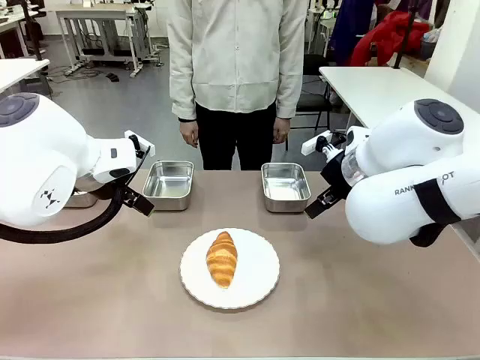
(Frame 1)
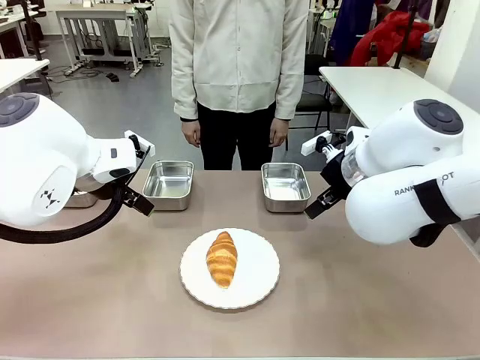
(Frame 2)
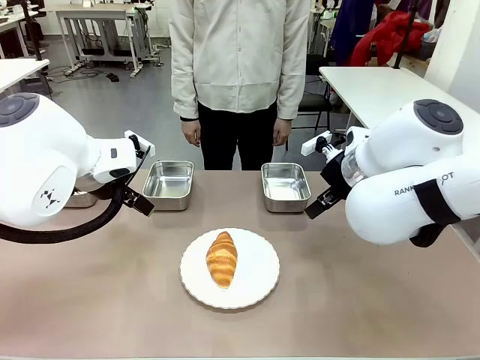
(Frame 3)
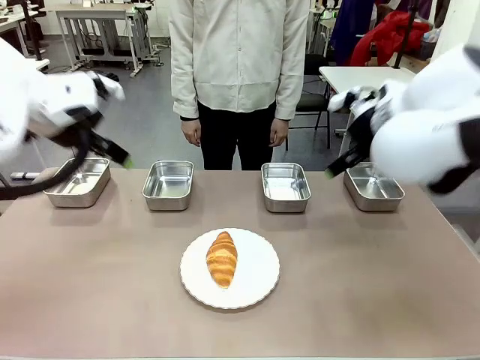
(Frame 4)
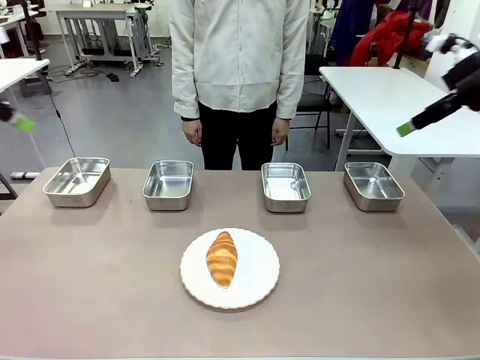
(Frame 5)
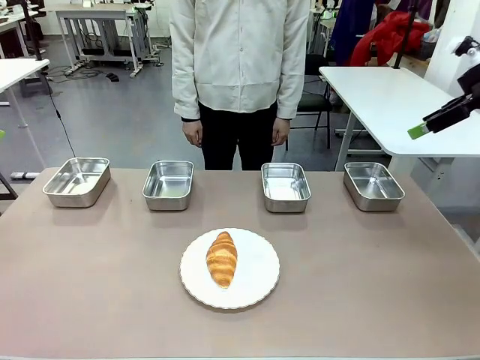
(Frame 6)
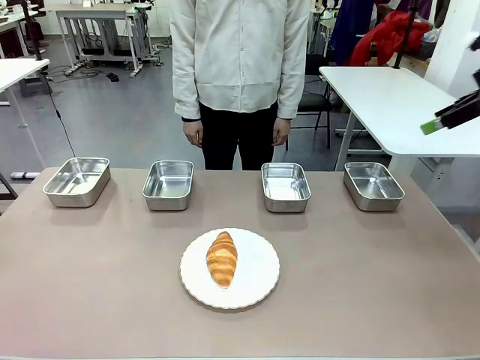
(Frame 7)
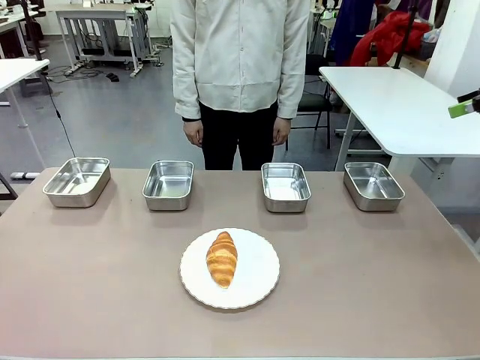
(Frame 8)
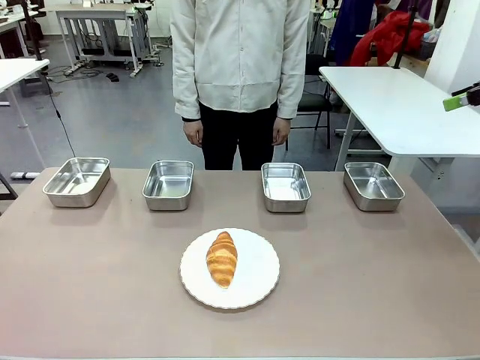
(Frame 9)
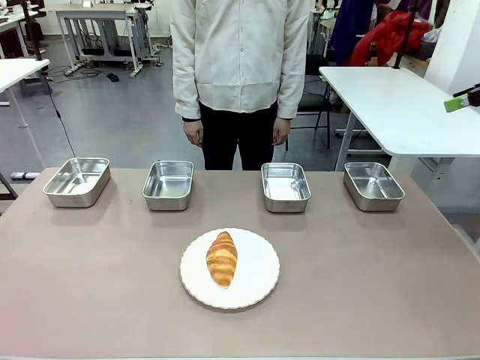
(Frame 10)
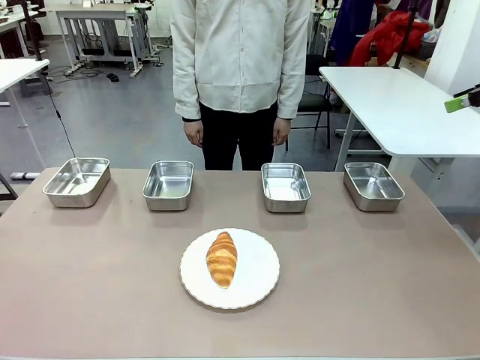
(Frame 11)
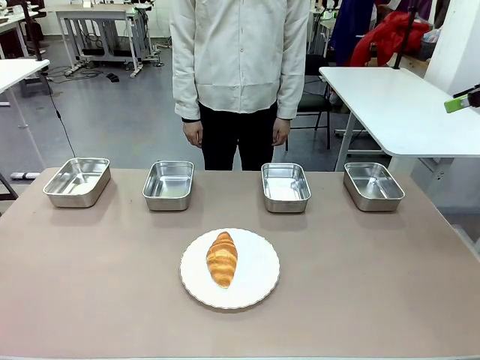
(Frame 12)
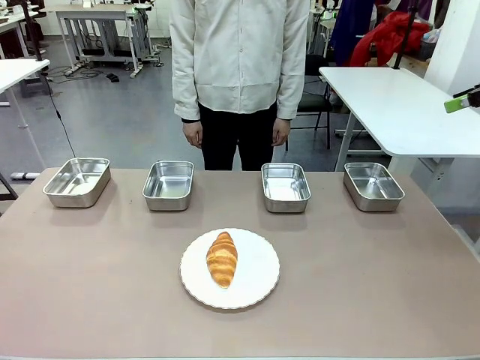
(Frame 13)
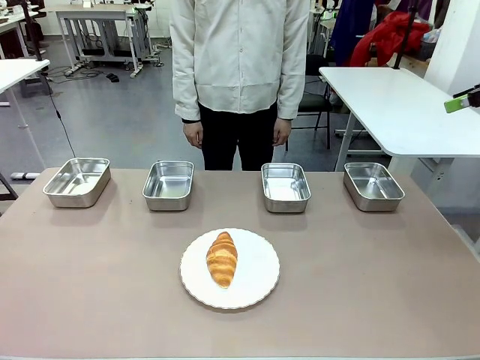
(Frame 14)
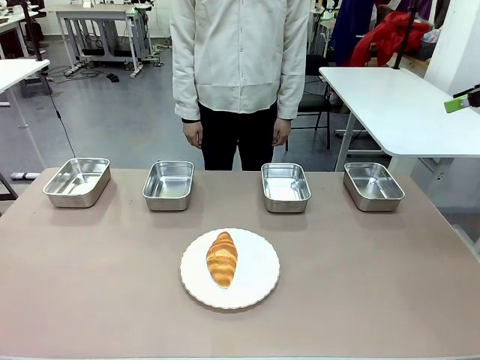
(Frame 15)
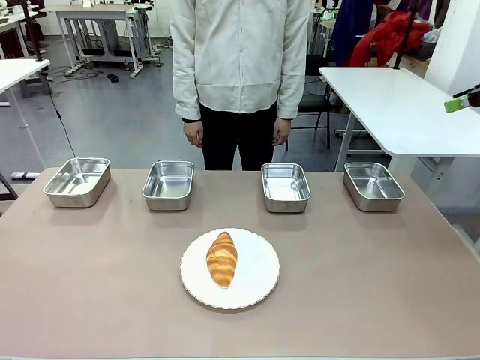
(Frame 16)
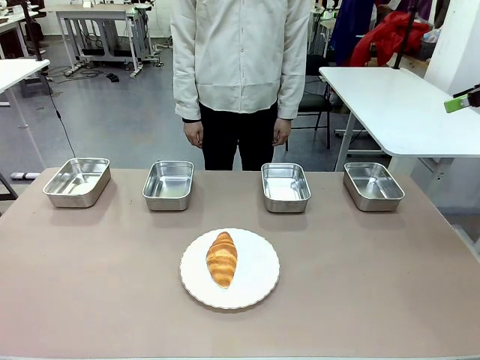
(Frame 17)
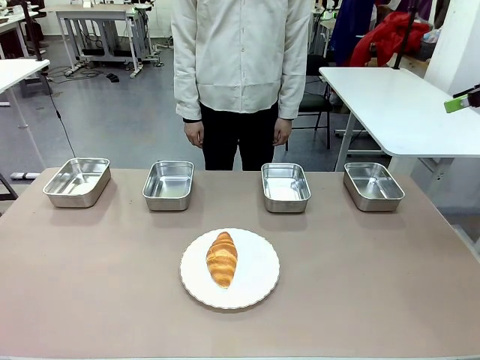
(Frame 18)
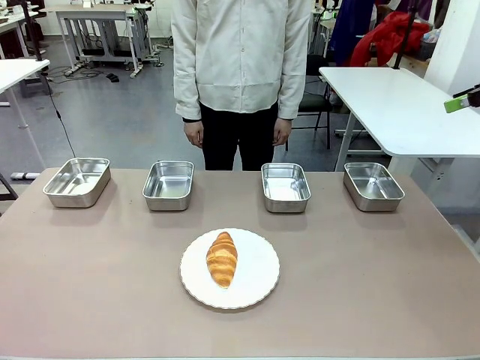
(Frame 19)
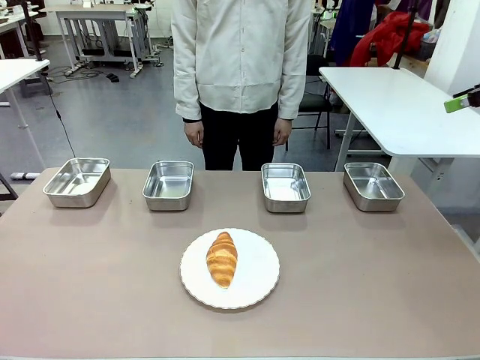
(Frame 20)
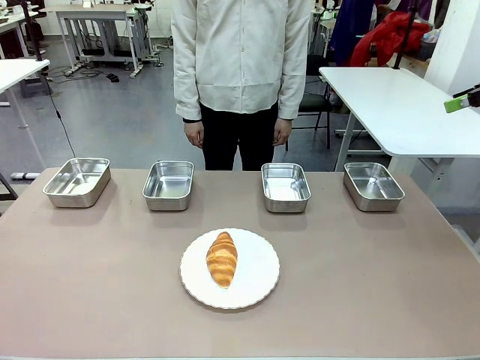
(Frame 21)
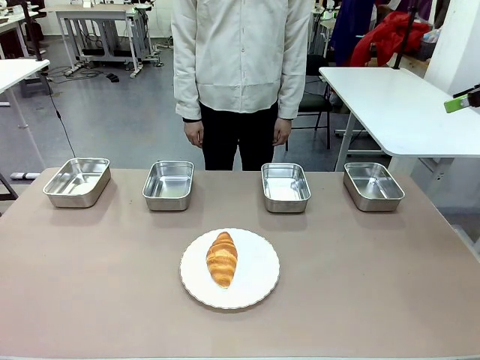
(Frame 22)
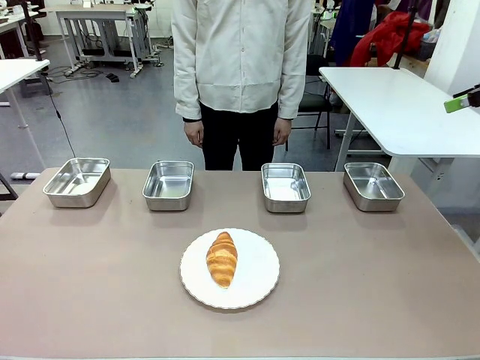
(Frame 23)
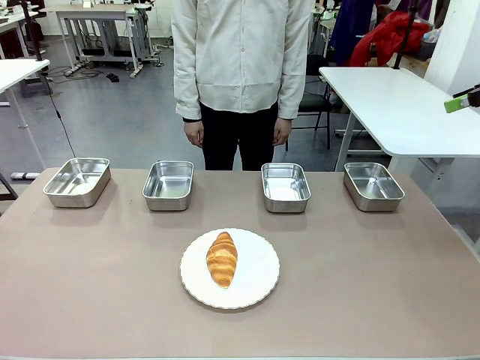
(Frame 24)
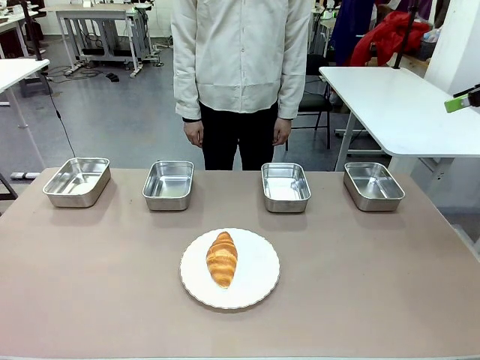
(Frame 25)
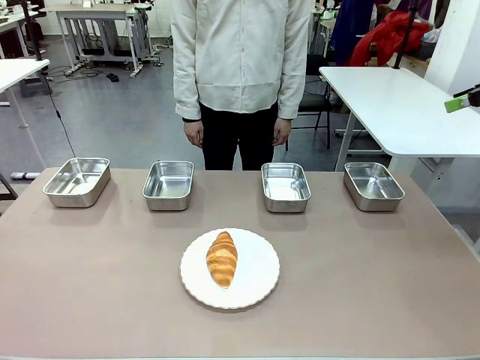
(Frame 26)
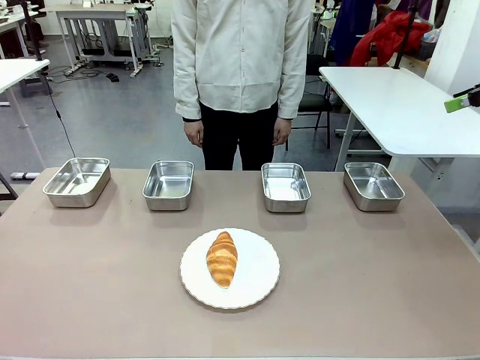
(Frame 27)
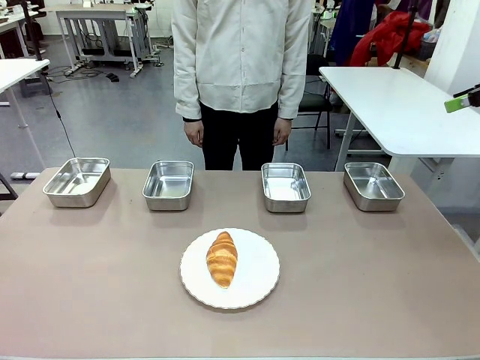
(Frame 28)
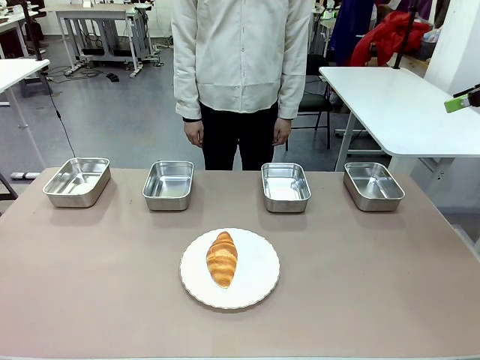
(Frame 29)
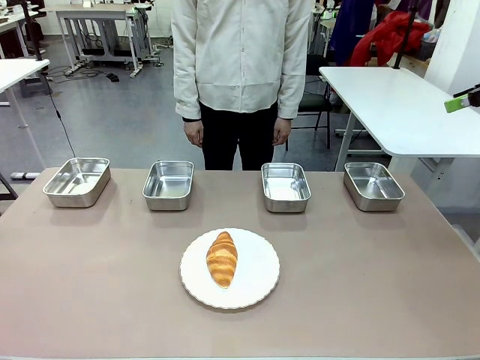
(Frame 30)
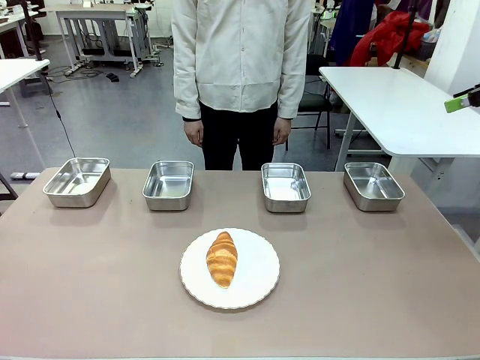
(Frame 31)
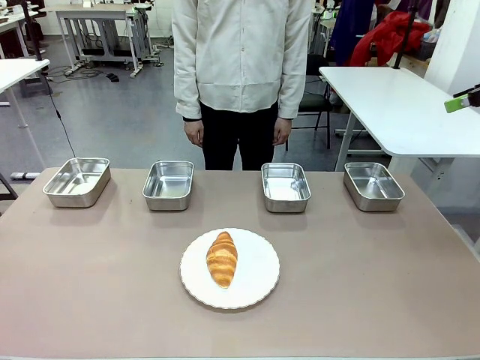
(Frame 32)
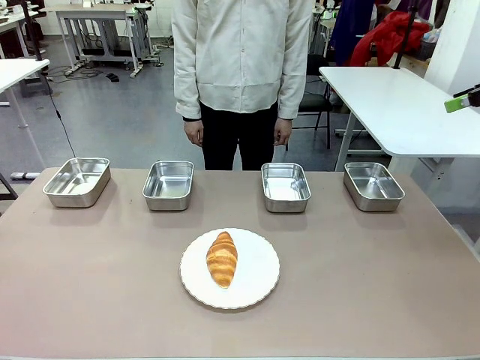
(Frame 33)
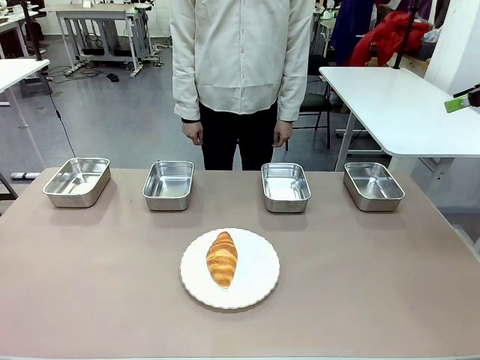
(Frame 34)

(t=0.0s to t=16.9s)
Task: Place the bread in the container.
Robot: Place the Butter Roll into the Airtight Container indicated by the human.

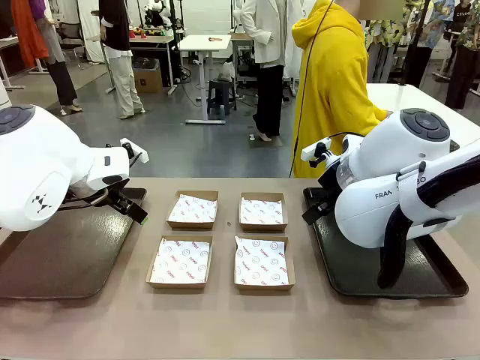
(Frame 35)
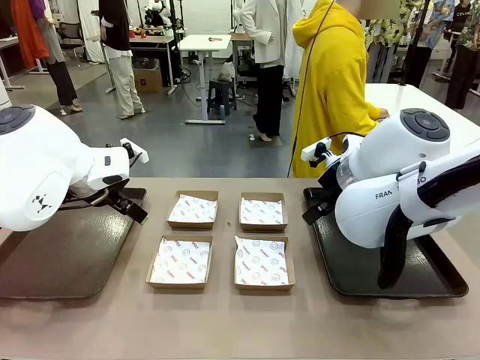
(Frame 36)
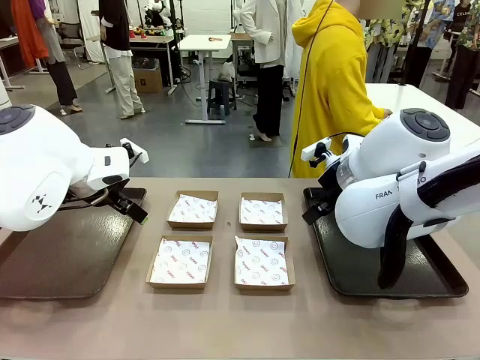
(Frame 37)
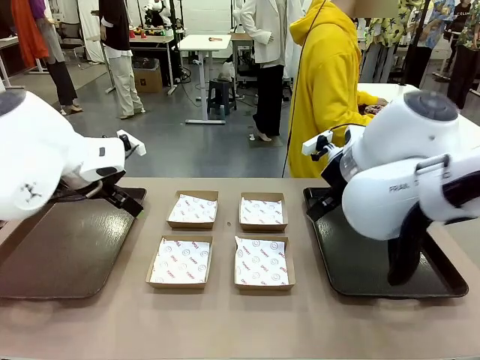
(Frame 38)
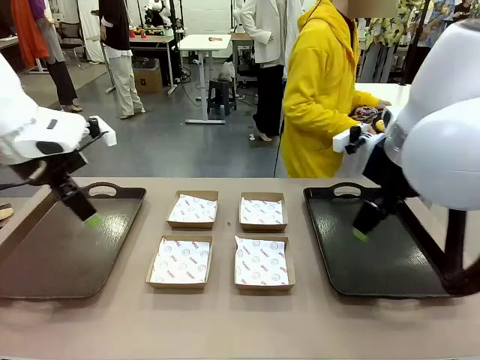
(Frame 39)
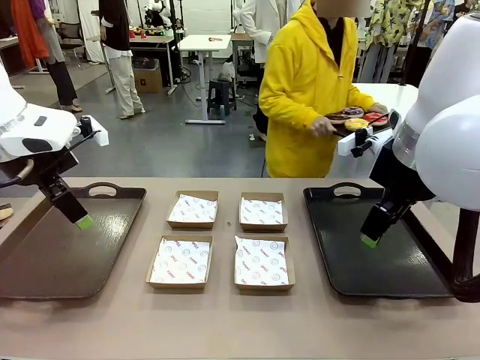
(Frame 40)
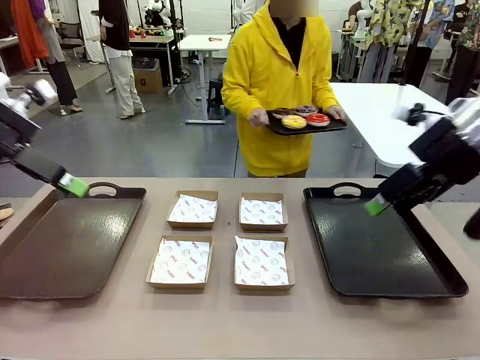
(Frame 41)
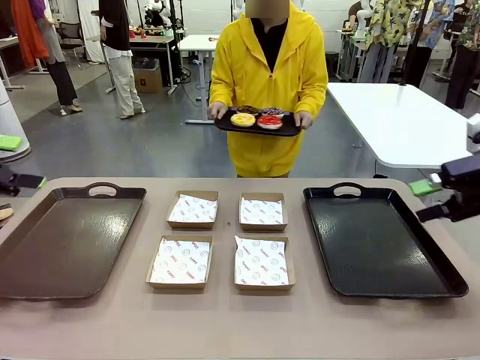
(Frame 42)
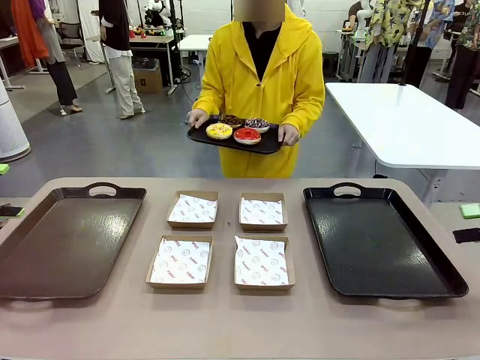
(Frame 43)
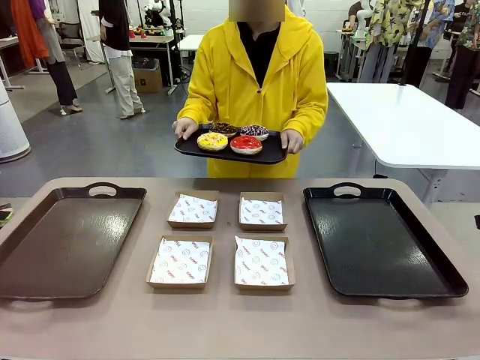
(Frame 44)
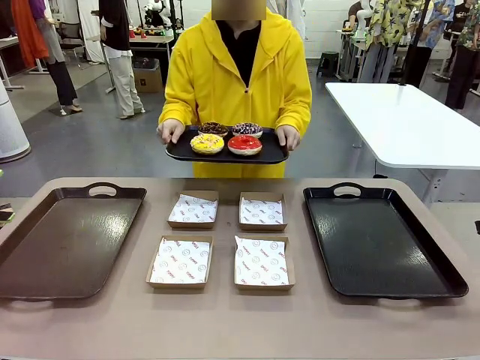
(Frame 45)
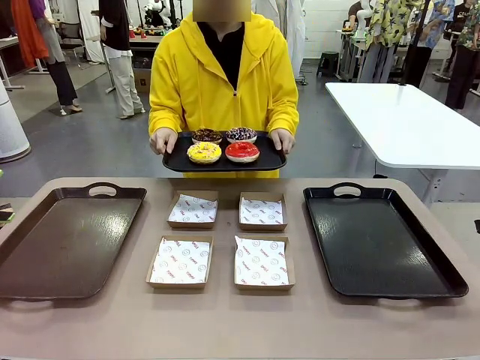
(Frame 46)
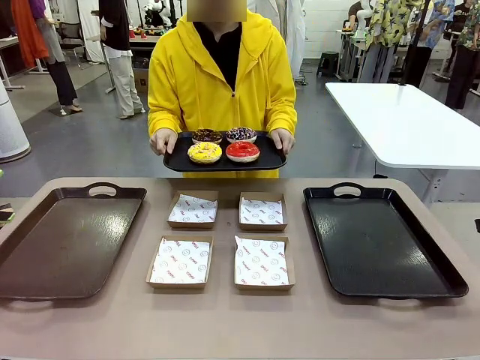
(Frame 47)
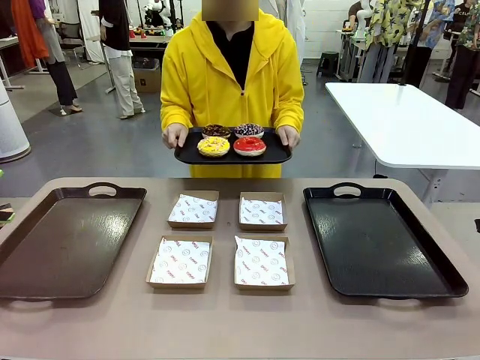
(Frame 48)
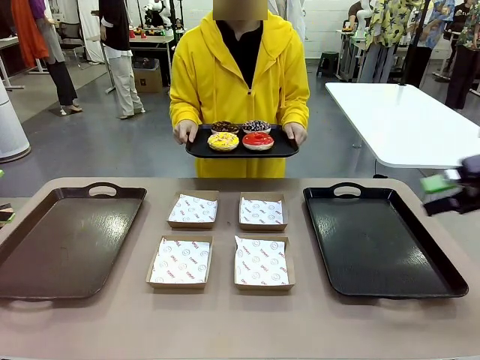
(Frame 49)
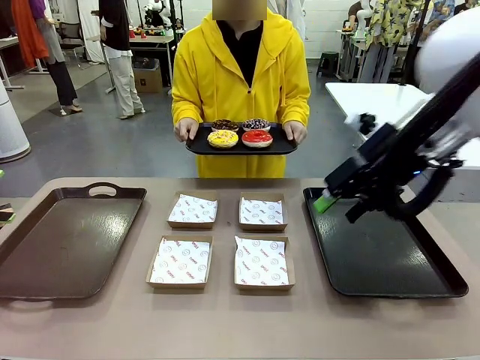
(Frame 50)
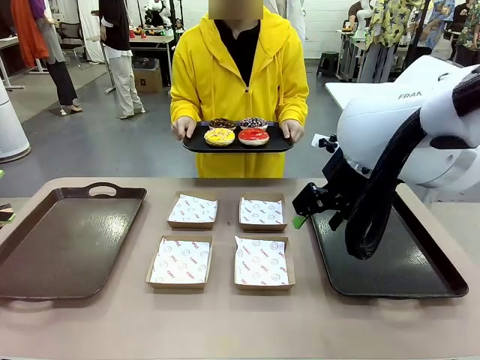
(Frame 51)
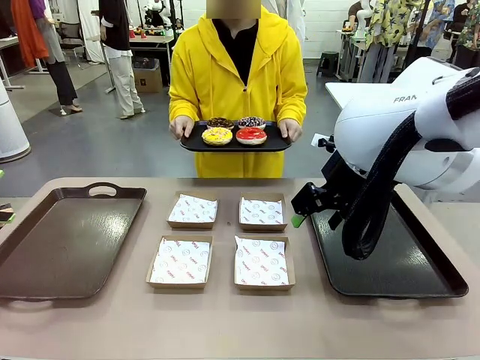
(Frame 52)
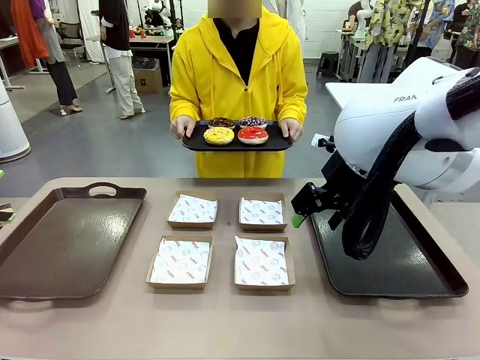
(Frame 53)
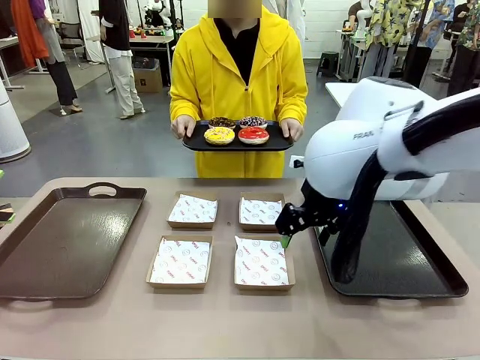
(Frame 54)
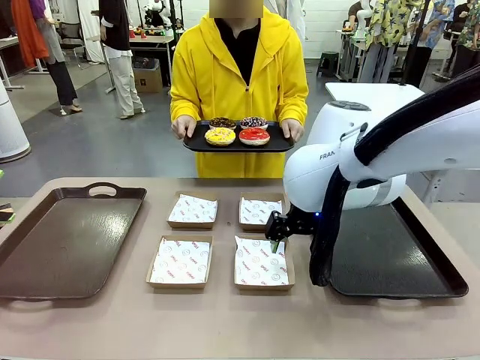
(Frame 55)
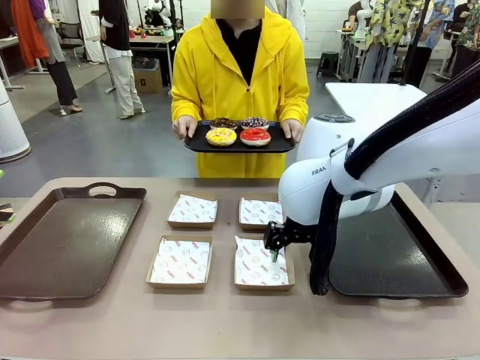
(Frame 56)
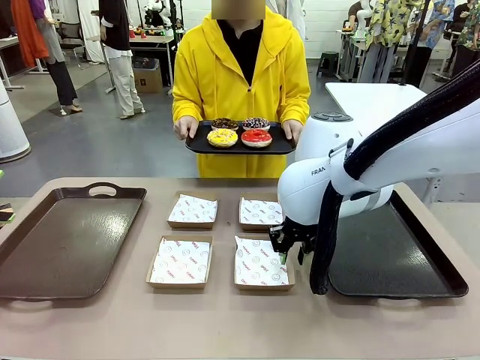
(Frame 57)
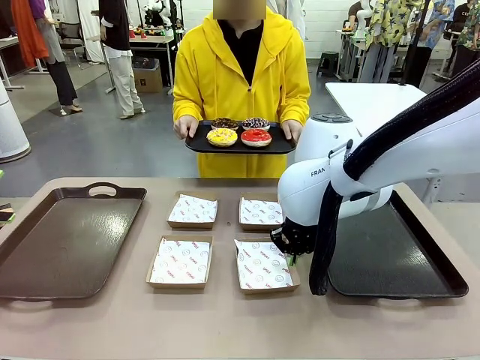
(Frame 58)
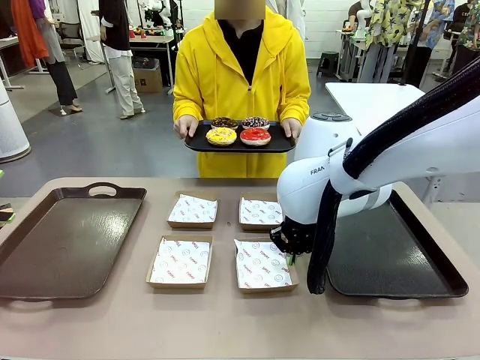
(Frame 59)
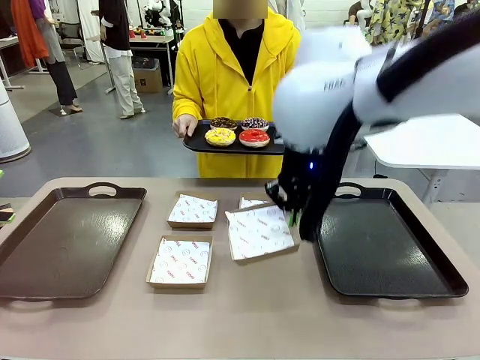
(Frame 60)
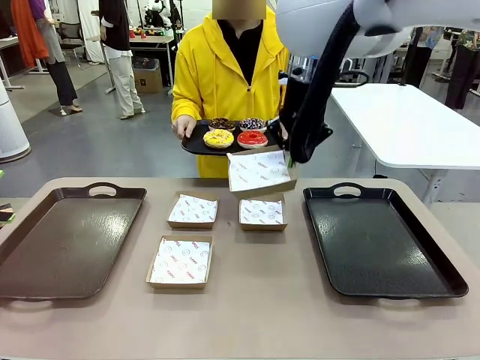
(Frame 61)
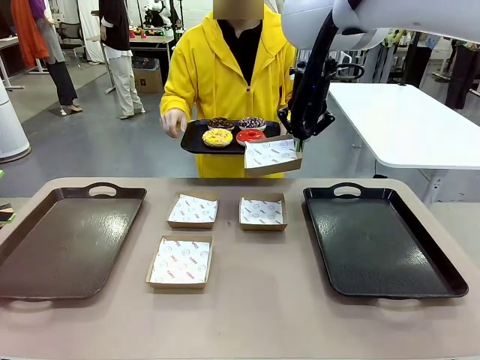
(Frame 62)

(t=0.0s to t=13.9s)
Task: Individually package the donuts and arrange them on the tray.
Robot: Pick up one Paper togo box.
Person: Stand in front of the robot table holding the tray containing the donuts.
